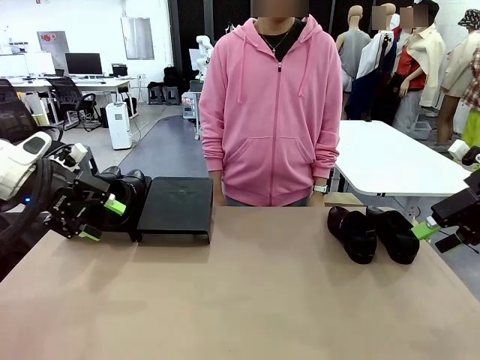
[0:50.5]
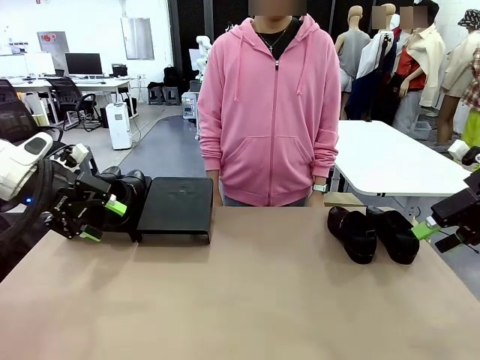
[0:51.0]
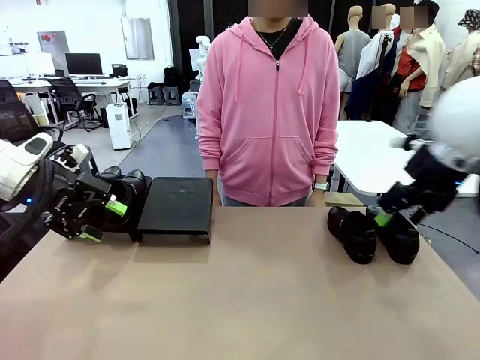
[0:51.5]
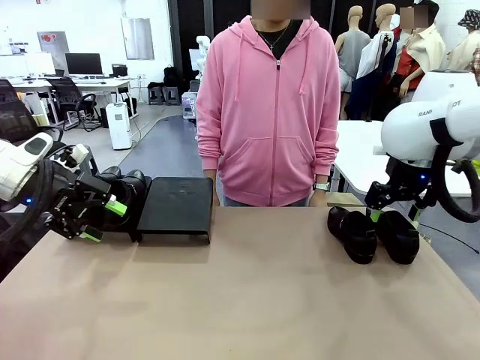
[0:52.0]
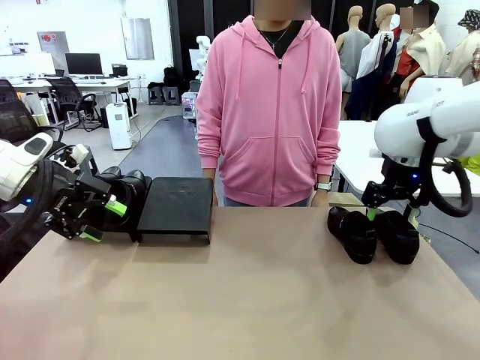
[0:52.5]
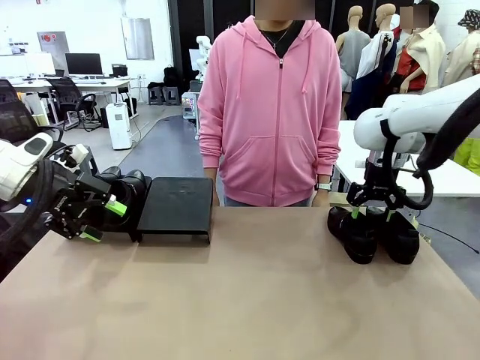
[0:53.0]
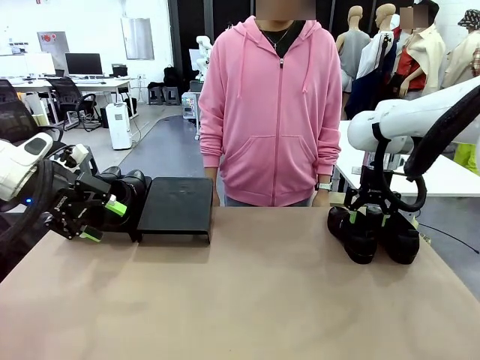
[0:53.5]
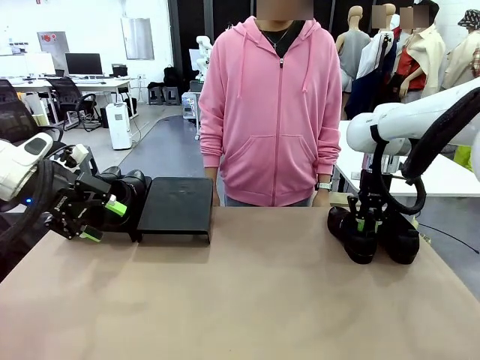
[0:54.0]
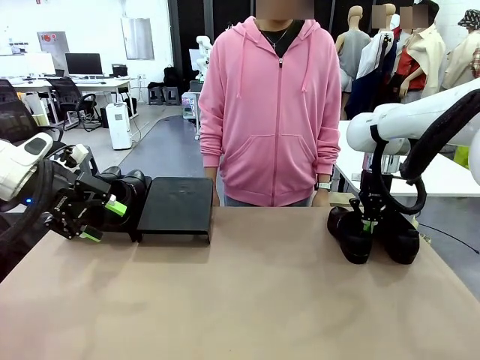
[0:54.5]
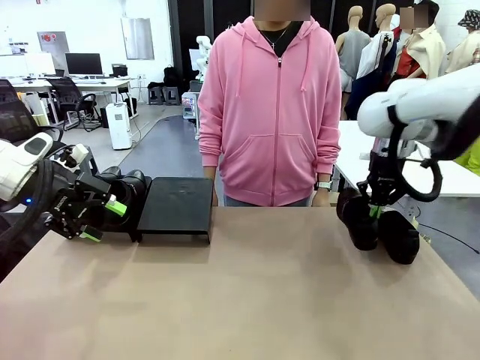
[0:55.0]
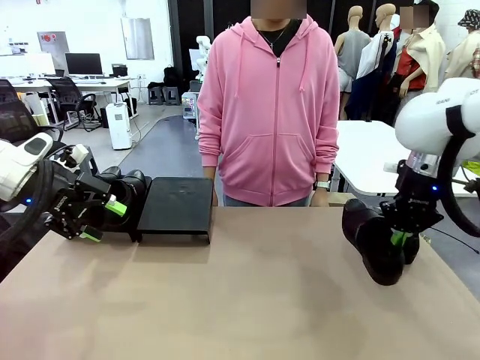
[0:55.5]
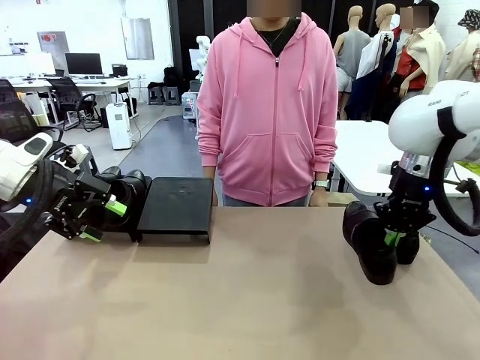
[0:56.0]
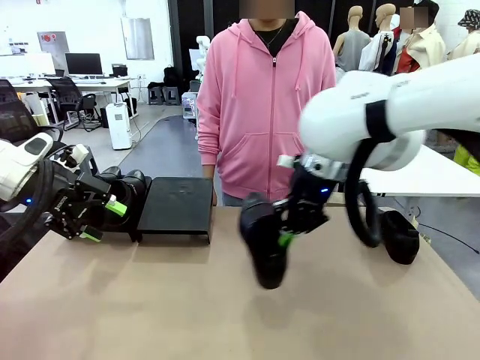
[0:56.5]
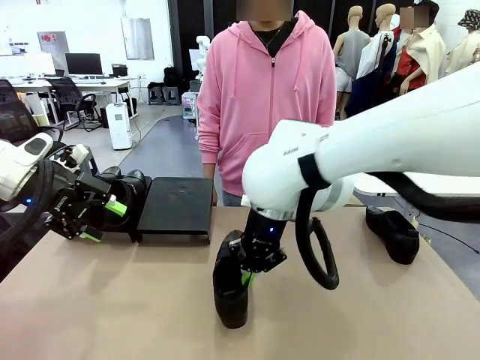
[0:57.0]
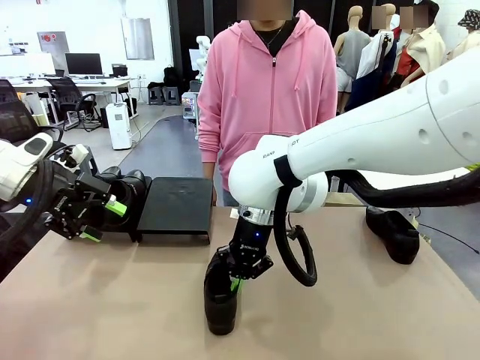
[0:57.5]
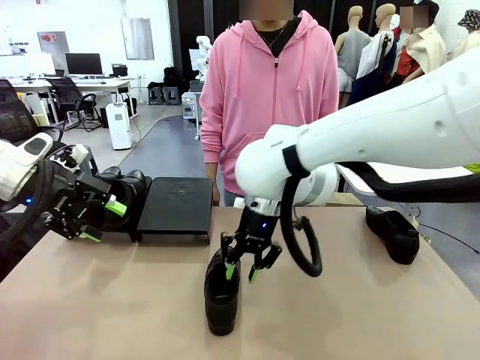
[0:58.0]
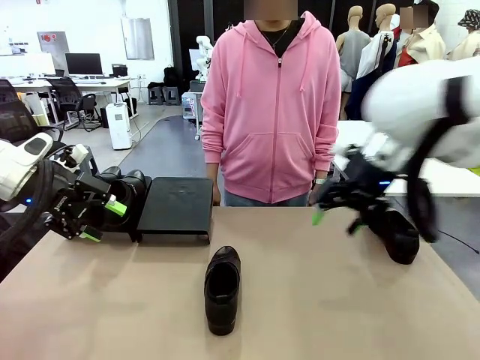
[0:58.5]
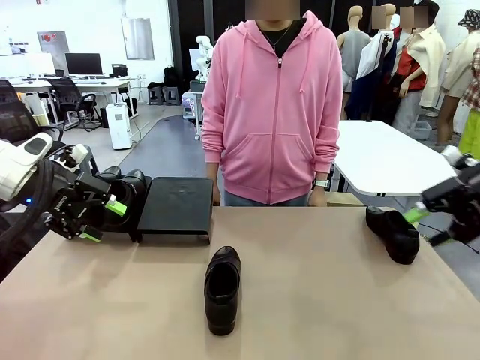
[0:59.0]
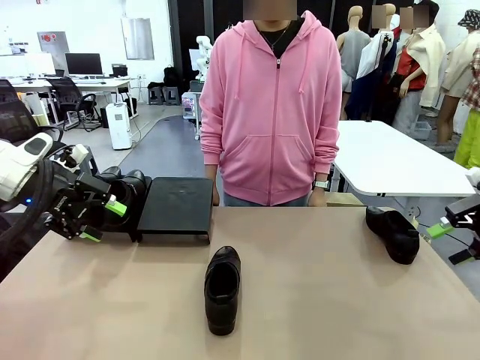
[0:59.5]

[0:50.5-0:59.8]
Task: Organize the shoes by placing them on the stand.
Robot: Pick up one Shoe and place it in the middle of the table.

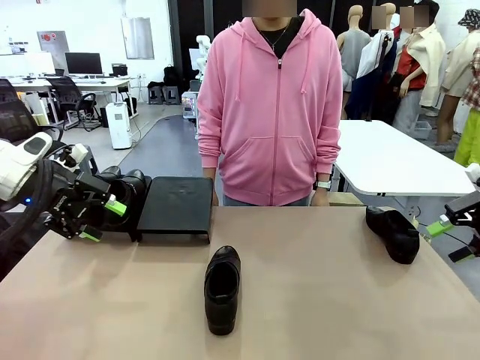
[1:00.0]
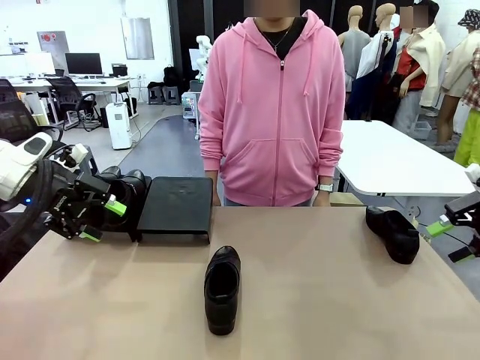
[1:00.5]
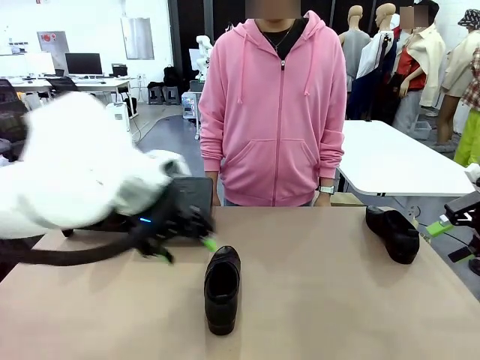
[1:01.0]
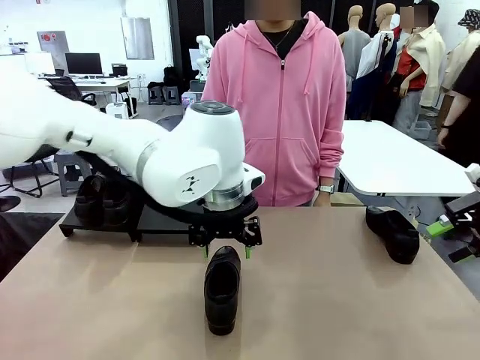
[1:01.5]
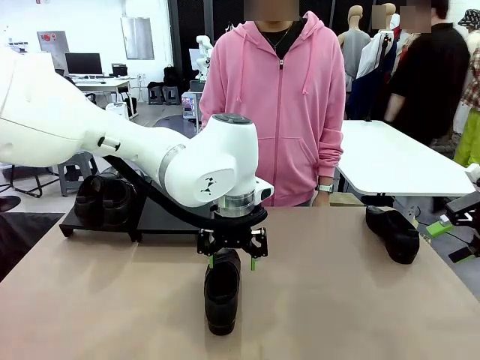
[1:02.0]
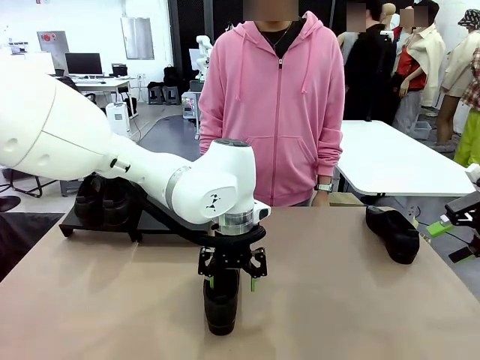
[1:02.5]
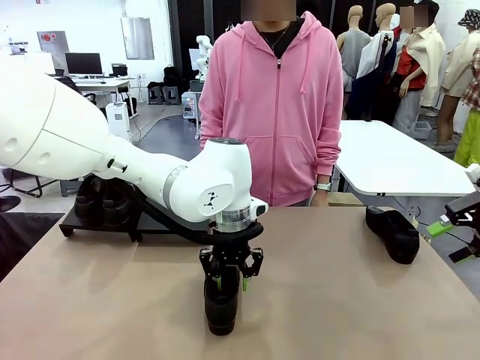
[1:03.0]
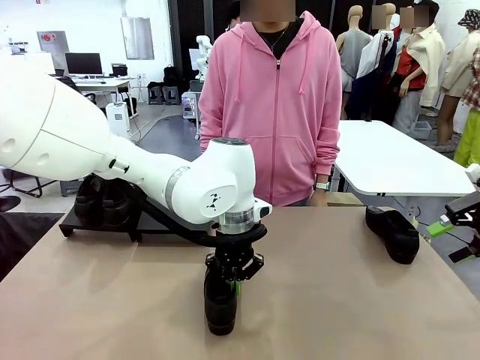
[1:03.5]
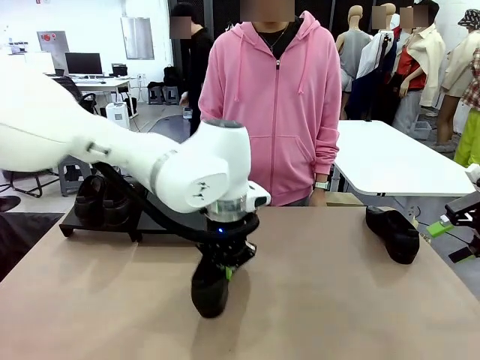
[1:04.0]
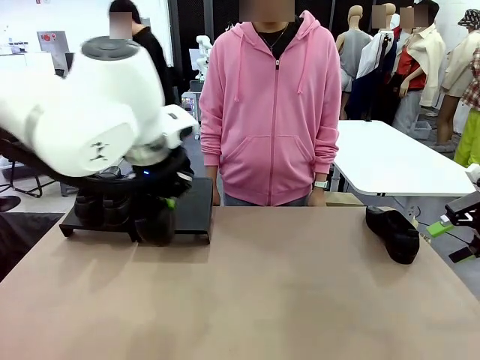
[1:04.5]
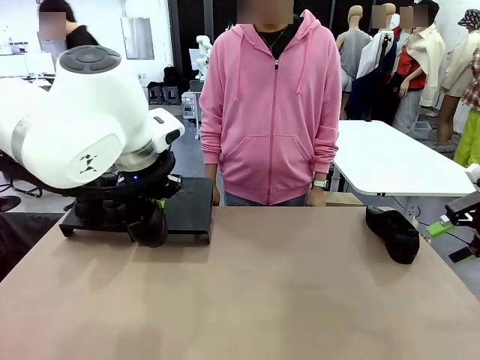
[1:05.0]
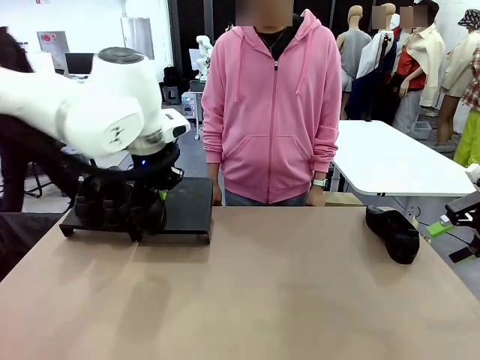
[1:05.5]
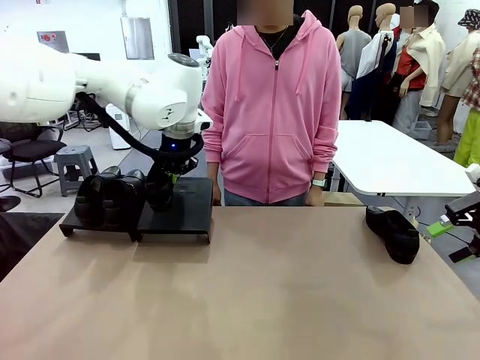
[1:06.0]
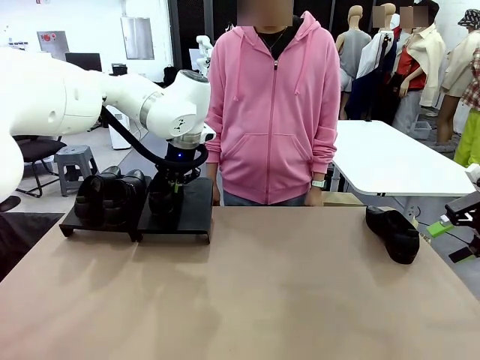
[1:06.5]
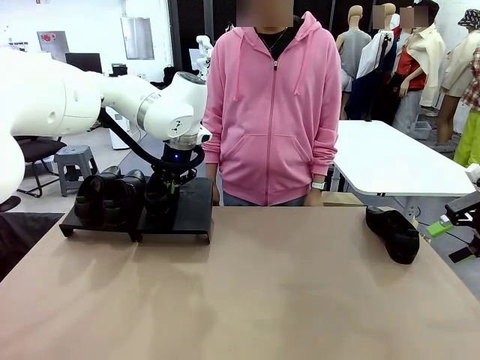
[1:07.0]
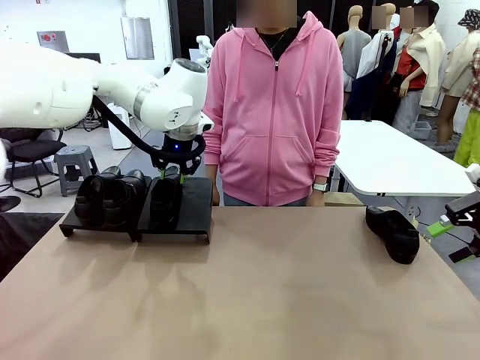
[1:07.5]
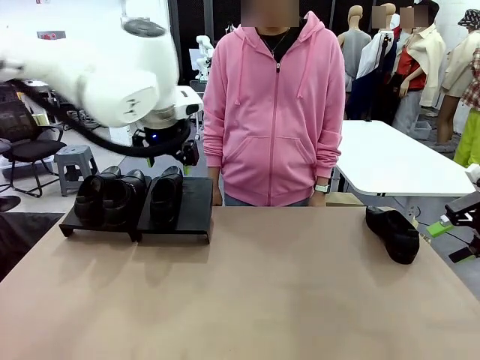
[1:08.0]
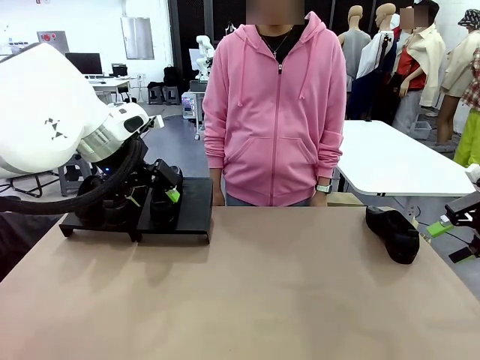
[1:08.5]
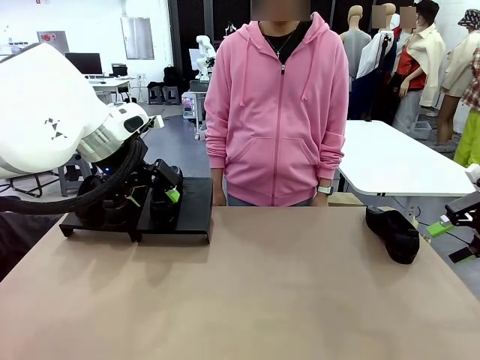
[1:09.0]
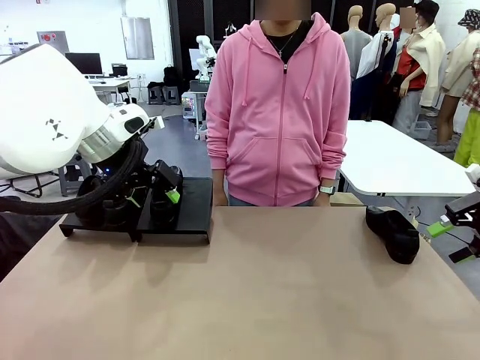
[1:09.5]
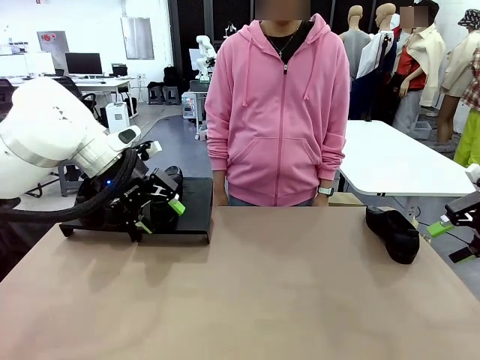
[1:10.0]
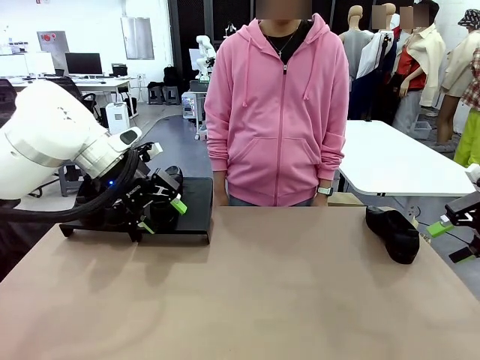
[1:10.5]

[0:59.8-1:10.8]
Robot: Place the Shoe from the middle of the table onto the Shoes Stand.

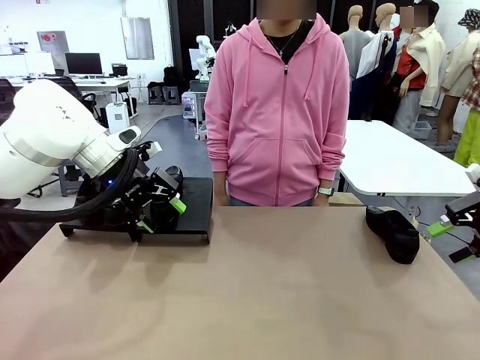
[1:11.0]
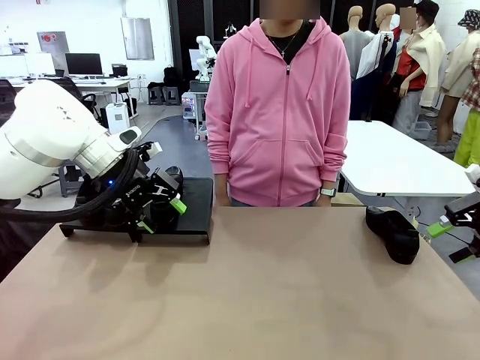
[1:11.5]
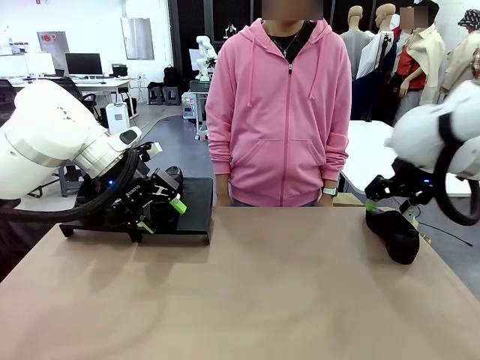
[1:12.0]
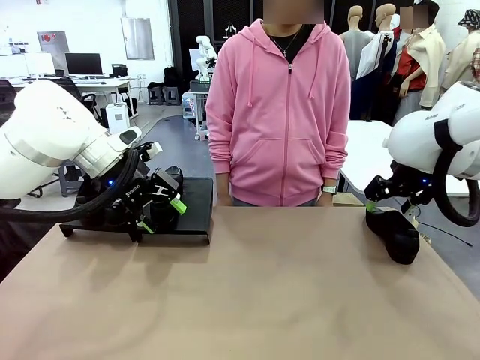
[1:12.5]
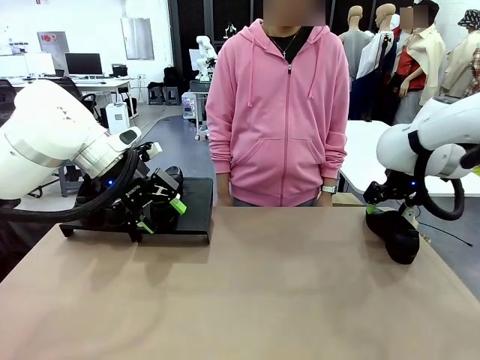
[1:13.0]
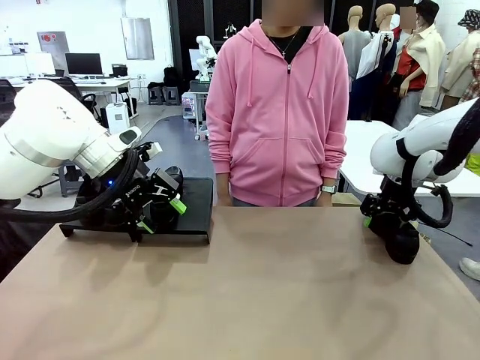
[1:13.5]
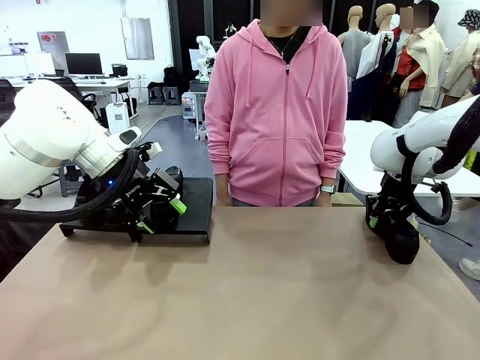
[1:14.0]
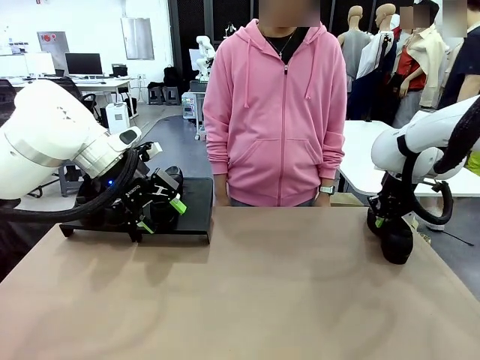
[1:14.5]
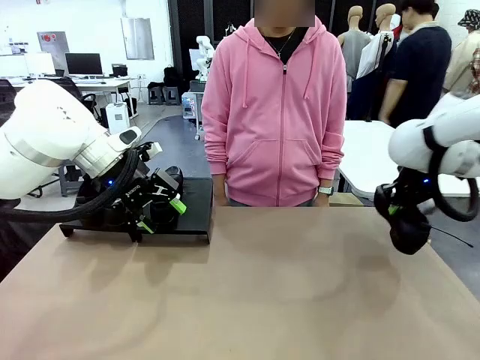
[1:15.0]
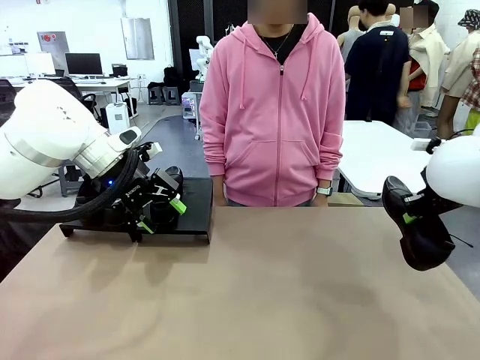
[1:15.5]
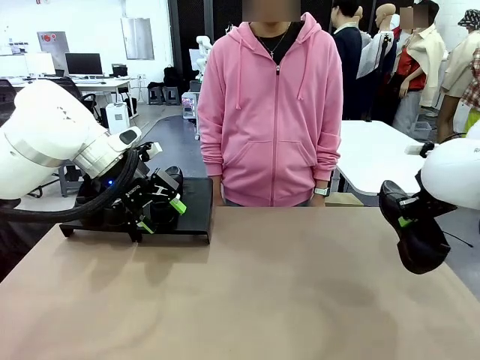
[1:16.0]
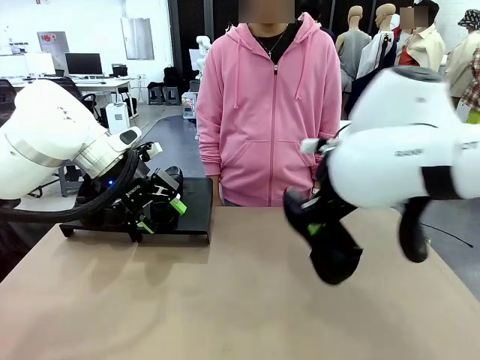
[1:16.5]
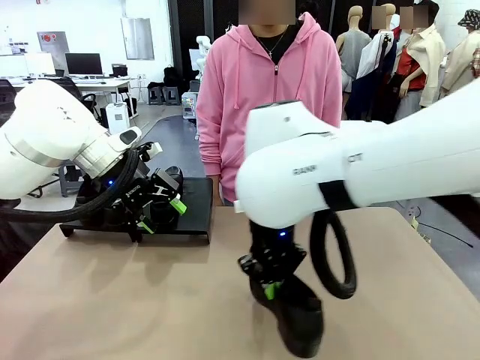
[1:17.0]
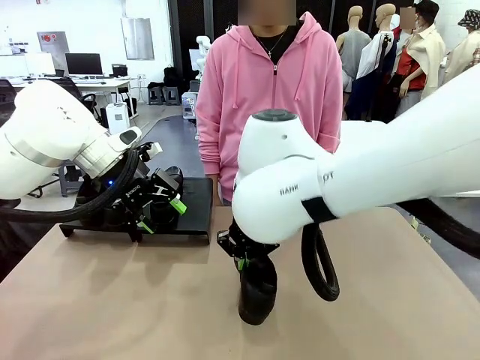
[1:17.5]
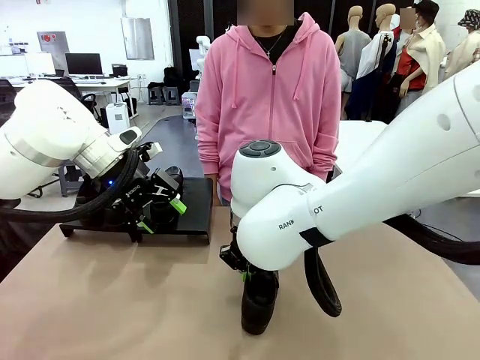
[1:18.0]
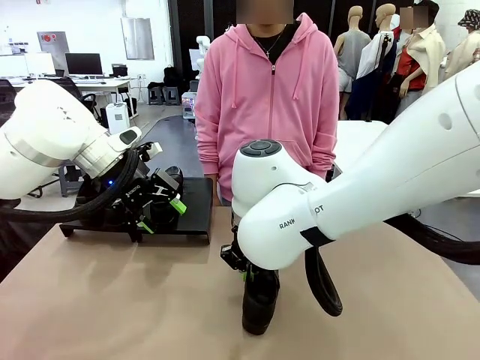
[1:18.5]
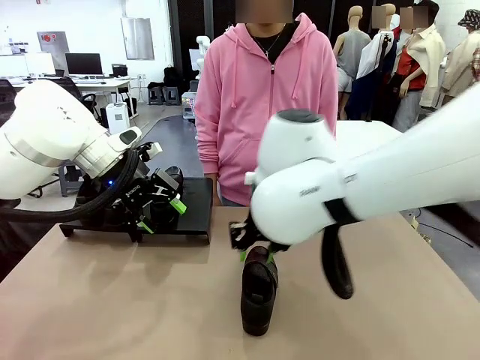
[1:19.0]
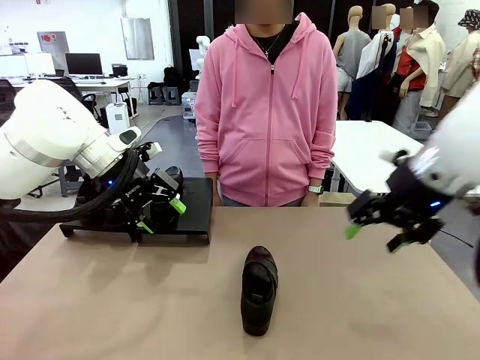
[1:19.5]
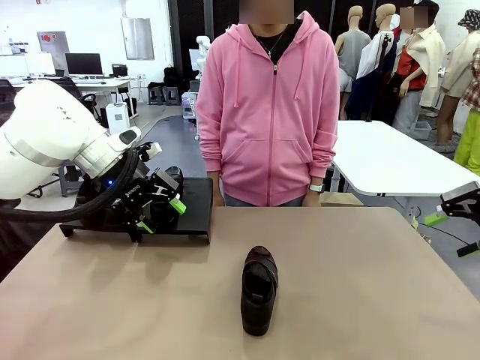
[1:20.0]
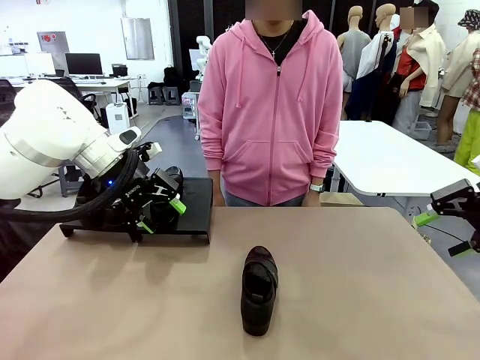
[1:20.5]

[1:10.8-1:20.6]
Robot: Pick up one Shoe and place it in the middle of the table.
